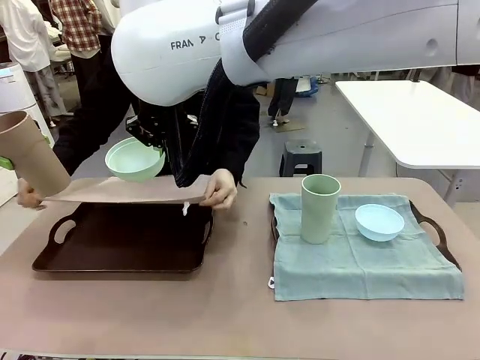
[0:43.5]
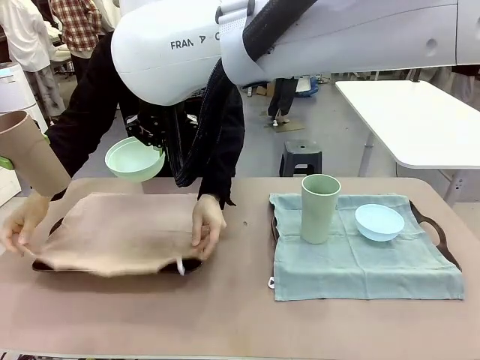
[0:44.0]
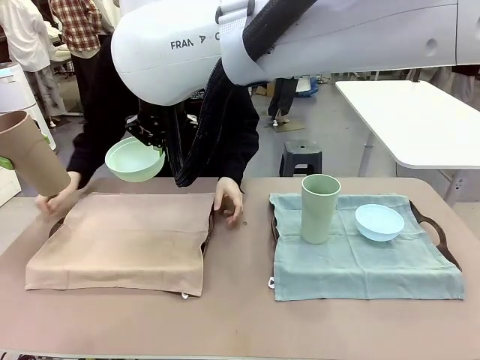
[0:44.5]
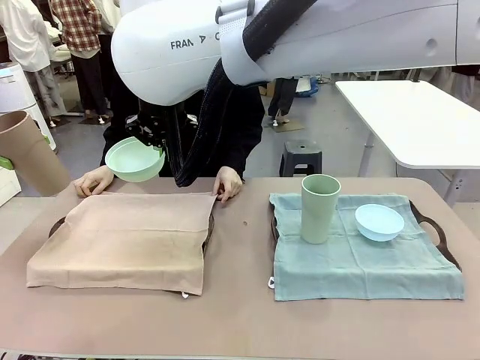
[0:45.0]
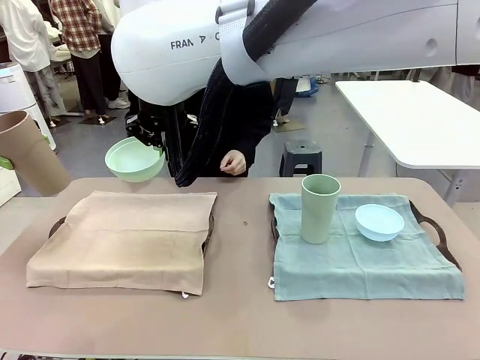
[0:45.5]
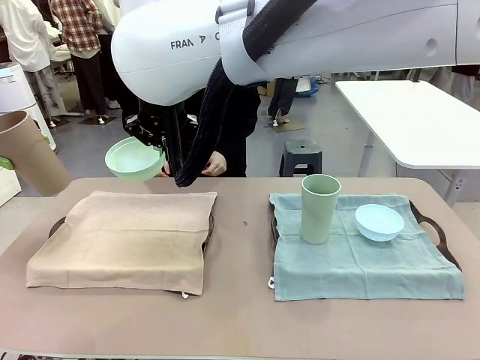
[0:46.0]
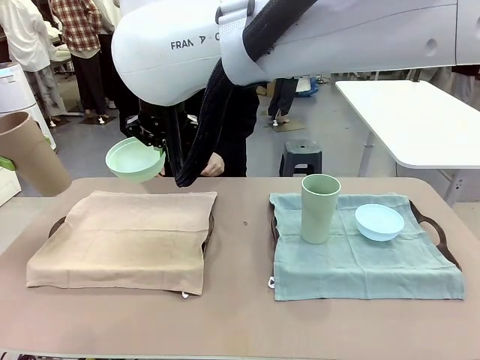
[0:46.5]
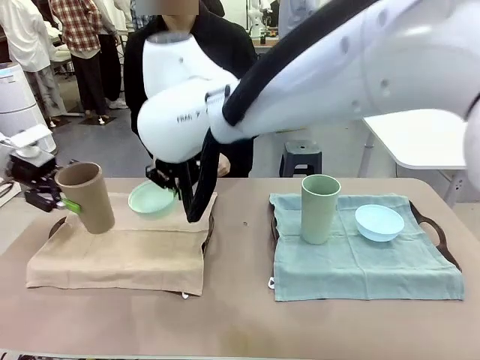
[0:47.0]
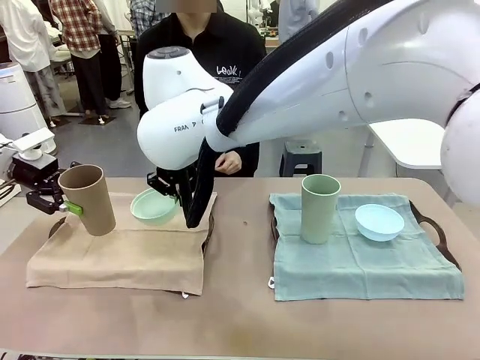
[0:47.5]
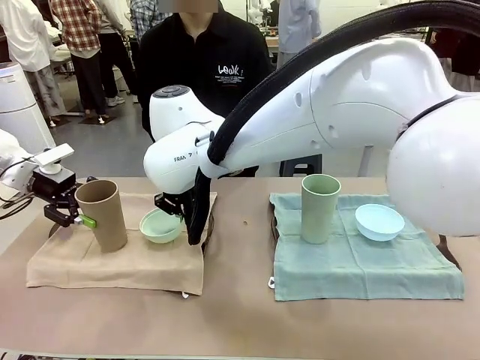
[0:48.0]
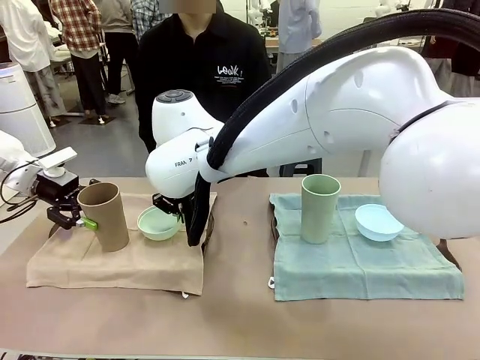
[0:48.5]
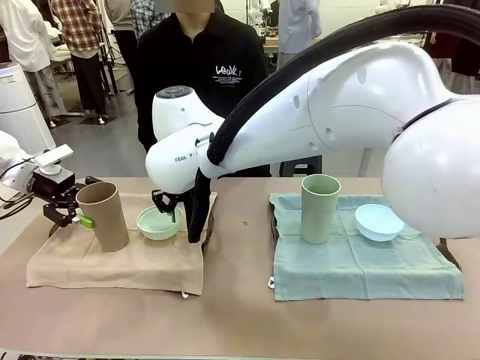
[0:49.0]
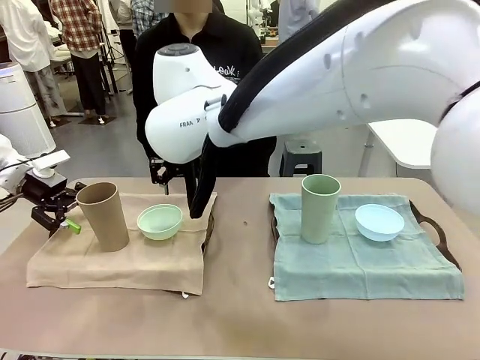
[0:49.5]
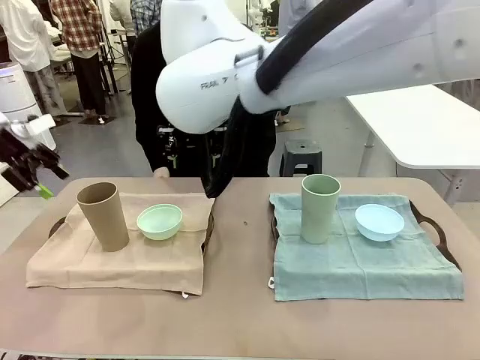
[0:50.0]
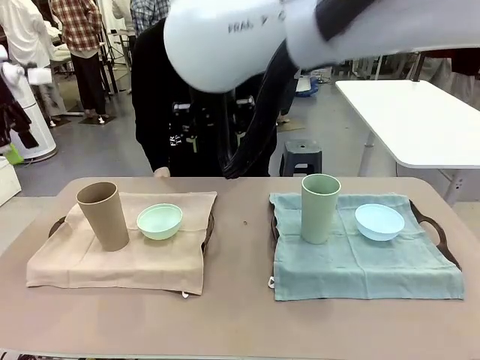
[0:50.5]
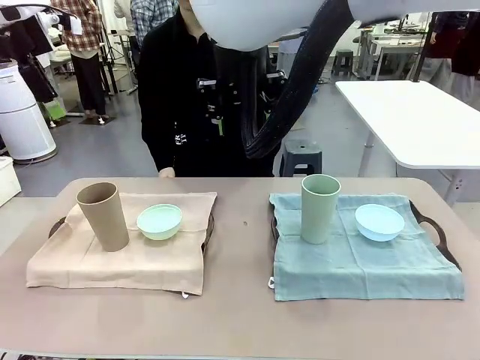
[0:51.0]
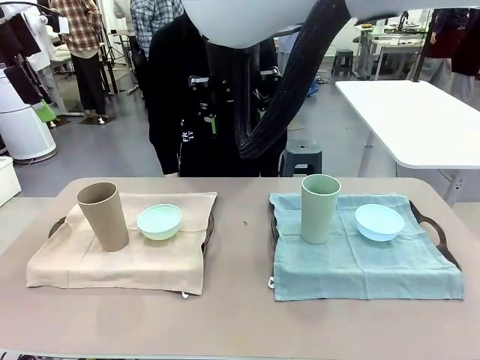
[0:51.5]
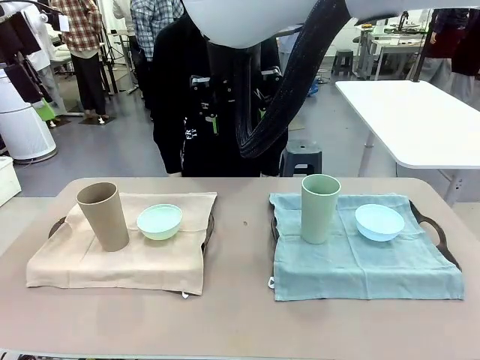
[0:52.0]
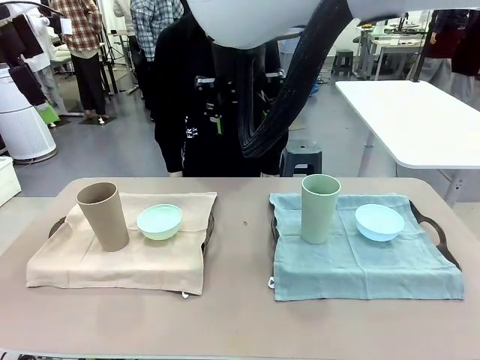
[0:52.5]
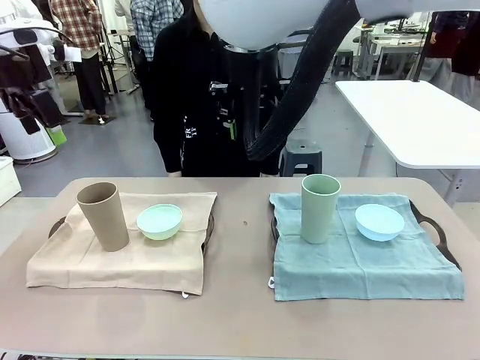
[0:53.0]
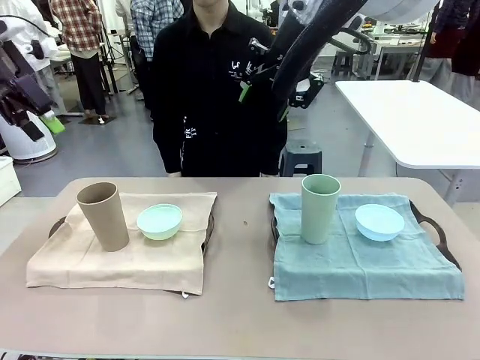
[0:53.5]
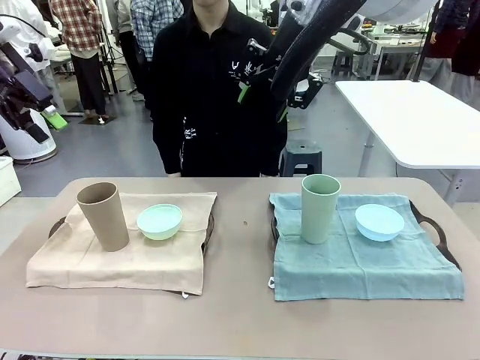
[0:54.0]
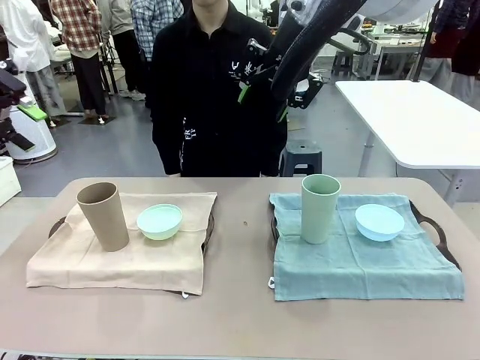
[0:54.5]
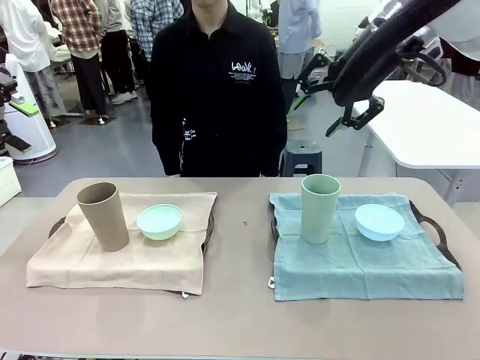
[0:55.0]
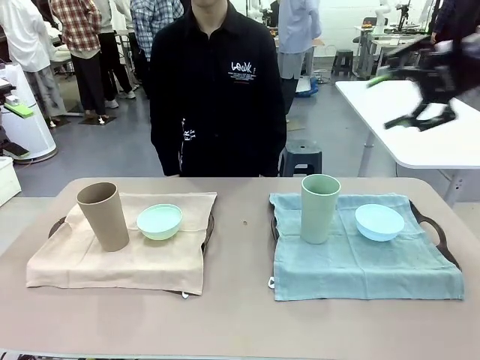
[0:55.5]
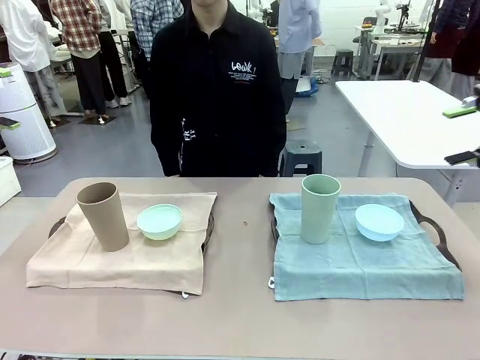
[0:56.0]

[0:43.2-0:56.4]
Robot: Place the Picnic Bowl and Reusable plastic cup back onto the Handle tray in front of the human's position.
Person: When the robot lifts the bowl and the cup, the human unfolds the napkin and lays the napkin flat on the tray.

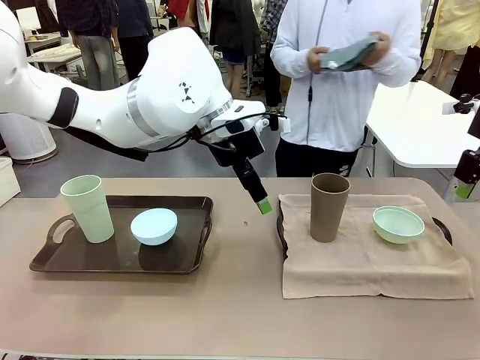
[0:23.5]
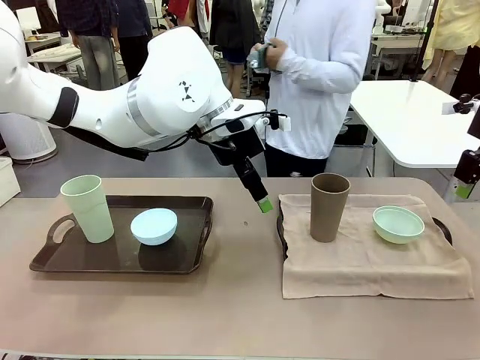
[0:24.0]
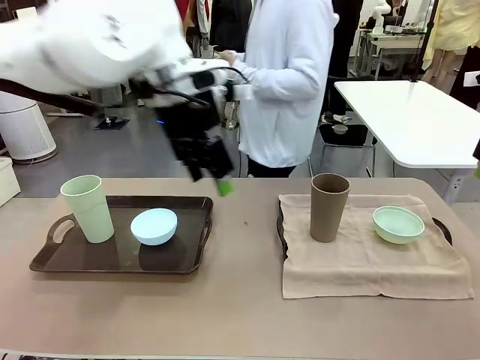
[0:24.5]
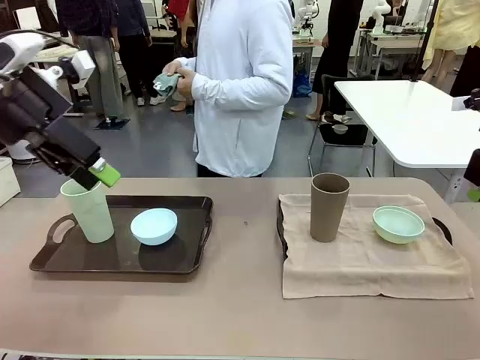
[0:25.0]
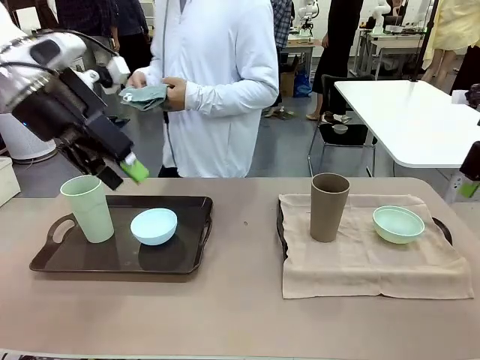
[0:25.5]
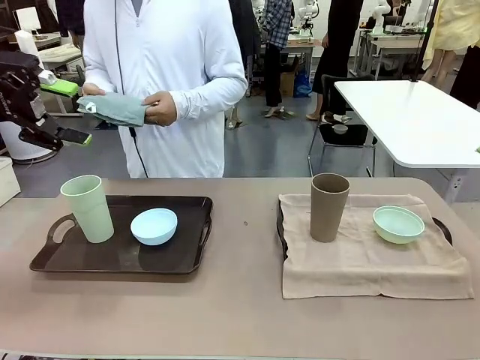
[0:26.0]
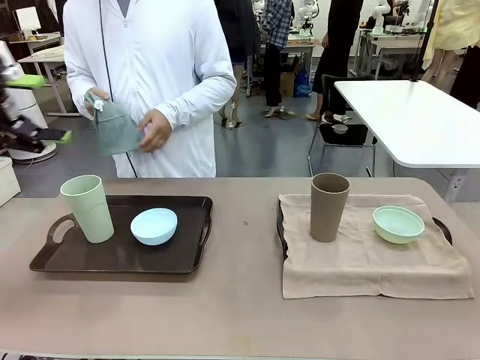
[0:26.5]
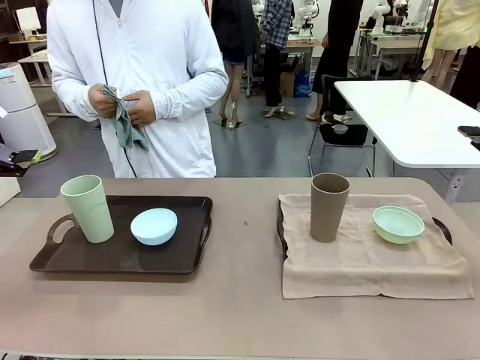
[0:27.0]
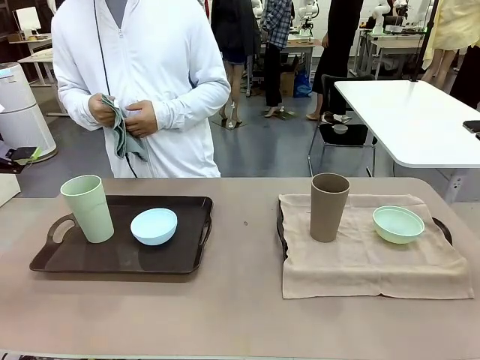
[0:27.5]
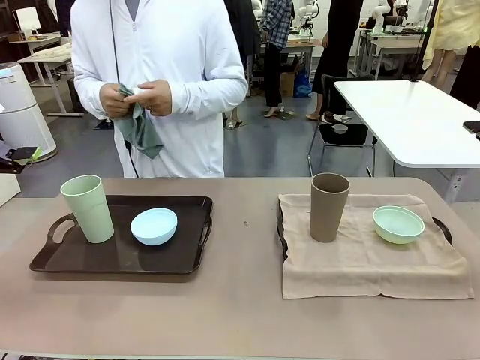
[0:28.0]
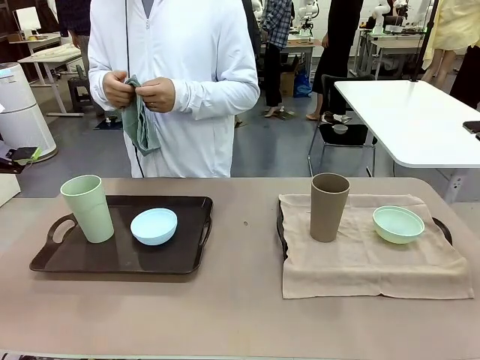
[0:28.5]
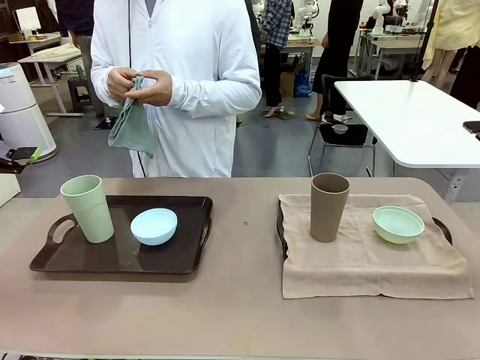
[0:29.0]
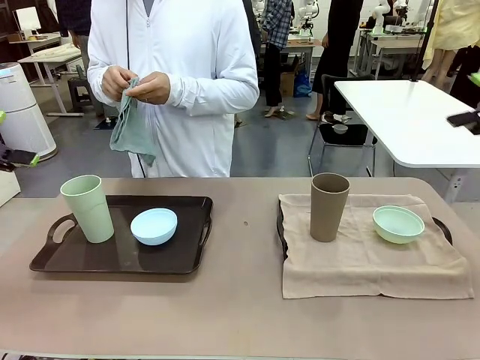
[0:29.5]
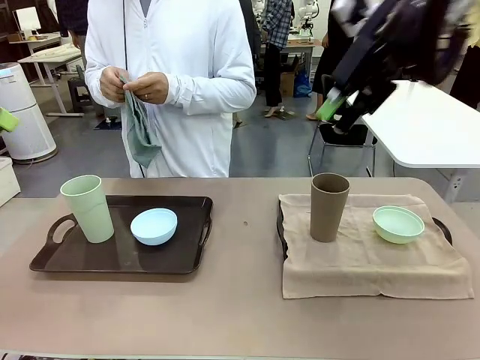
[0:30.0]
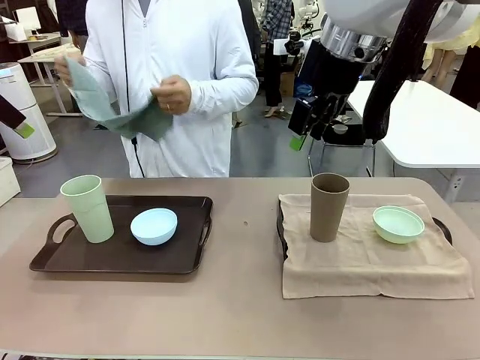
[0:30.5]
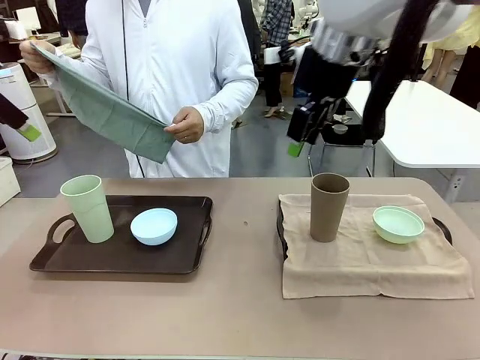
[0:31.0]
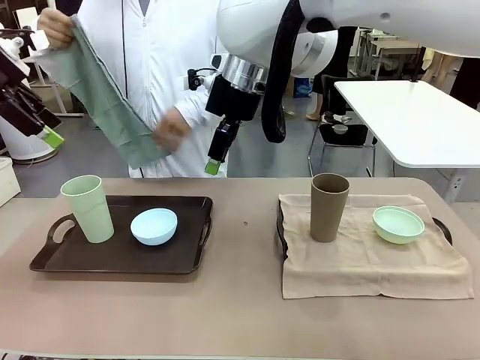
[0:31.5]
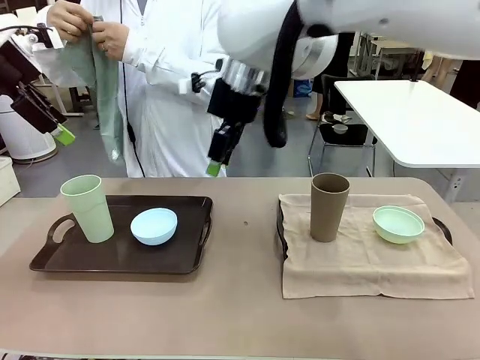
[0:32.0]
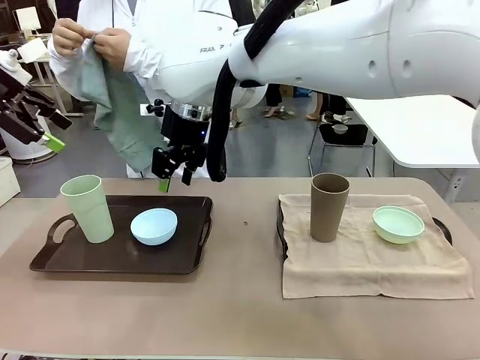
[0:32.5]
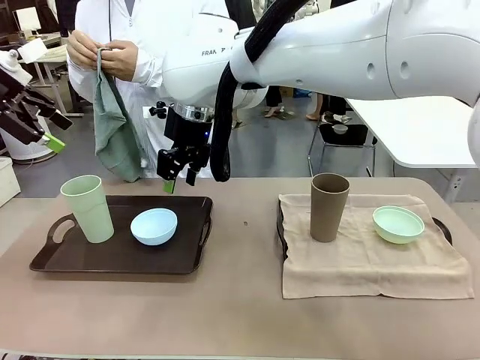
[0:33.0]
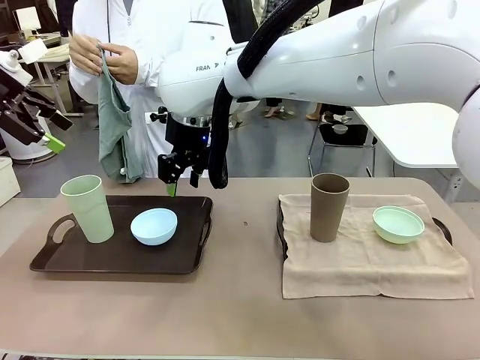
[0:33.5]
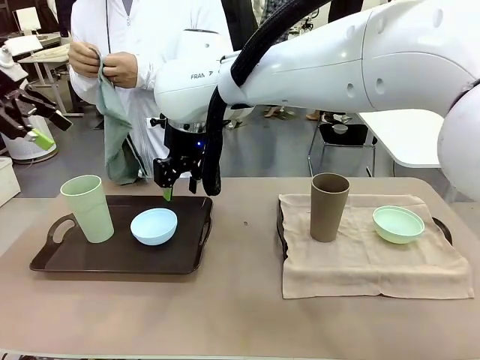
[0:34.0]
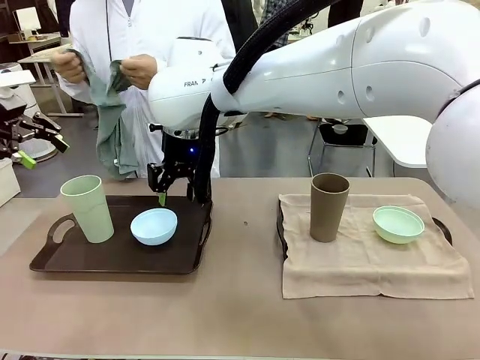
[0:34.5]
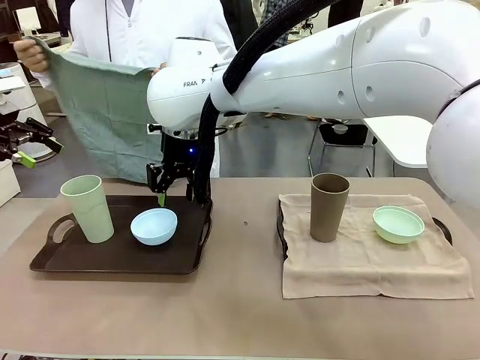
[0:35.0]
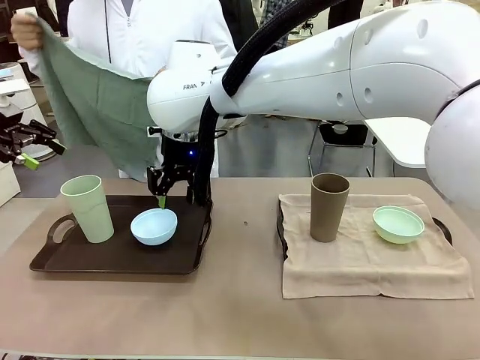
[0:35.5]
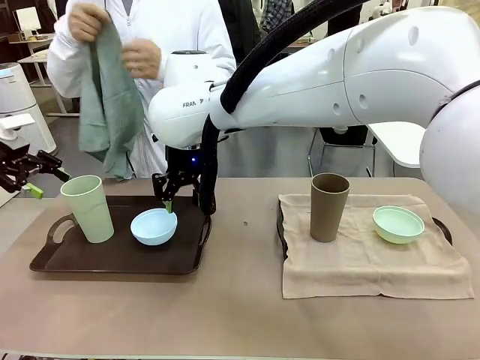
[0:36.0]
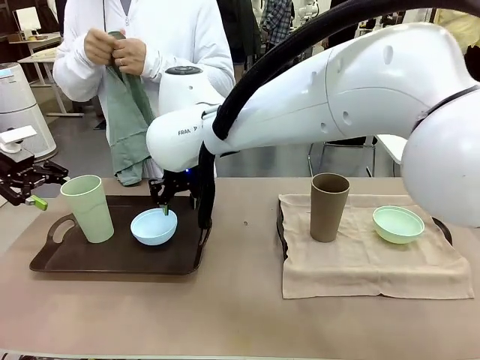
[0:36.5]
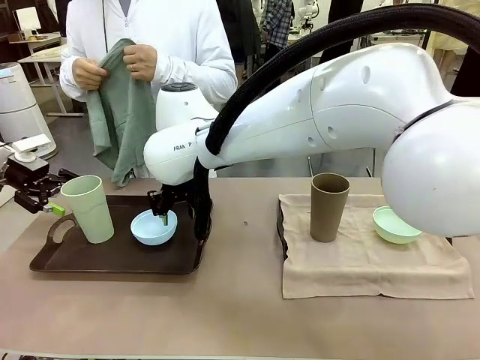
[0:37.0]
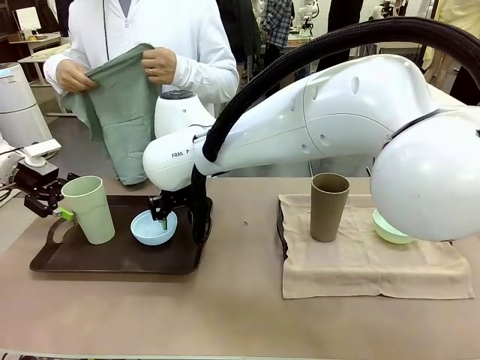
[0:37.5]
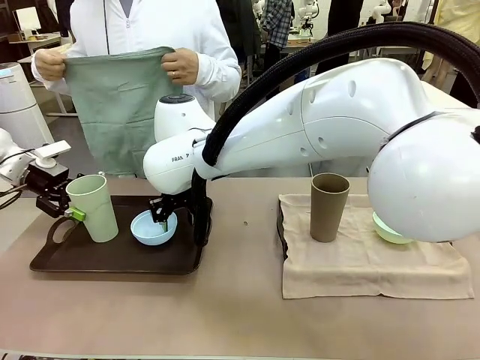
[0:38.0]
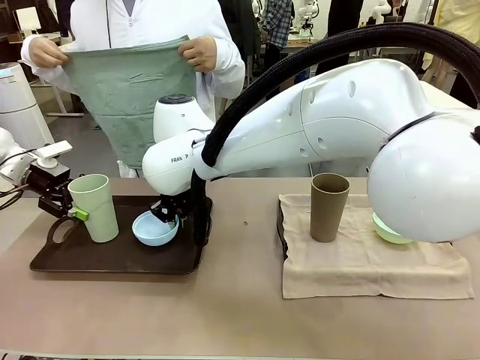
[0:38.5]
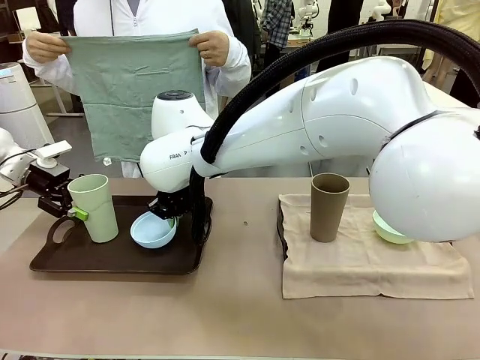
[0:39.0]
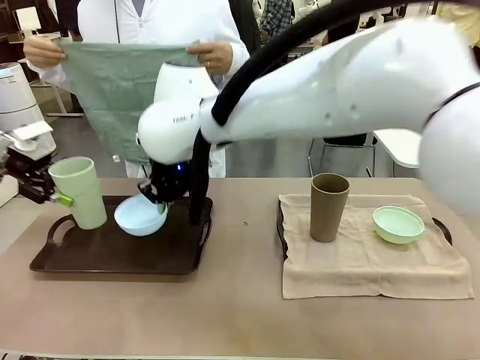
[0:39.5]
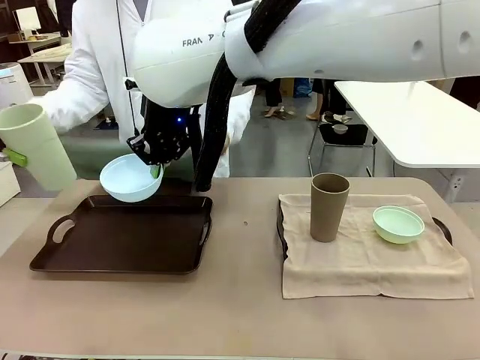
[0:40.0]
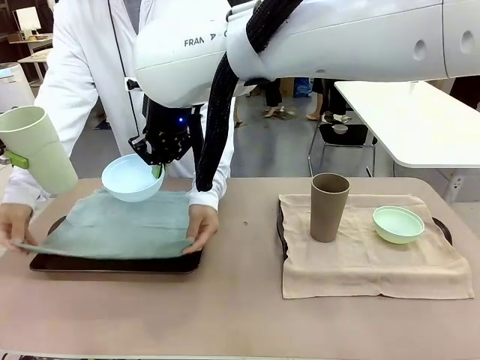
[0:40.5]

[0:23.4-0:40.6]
Robot: Pick up the Picnic Bowl and Reusable plastic cup from the Handle tray in front of the human's position and hold them in the air.
Person: When the robot lifts the bowl and the cup, the human unfolds the napkin and lays the napkin flat on the tray.
